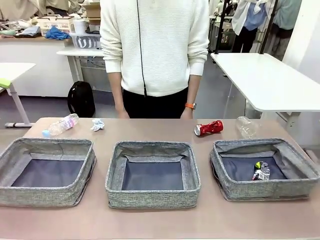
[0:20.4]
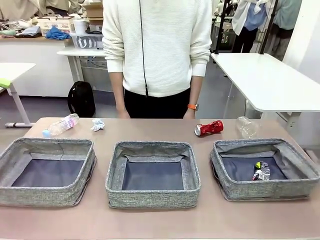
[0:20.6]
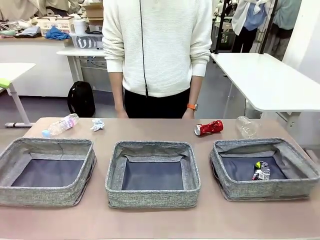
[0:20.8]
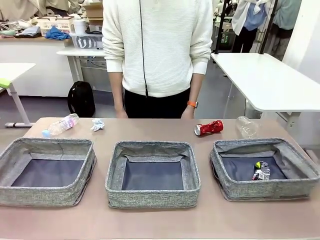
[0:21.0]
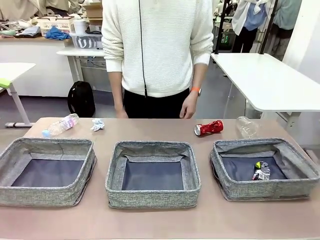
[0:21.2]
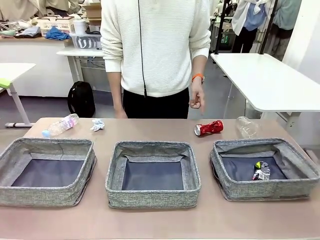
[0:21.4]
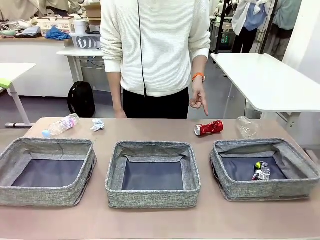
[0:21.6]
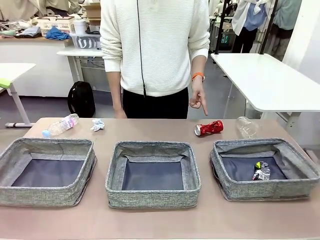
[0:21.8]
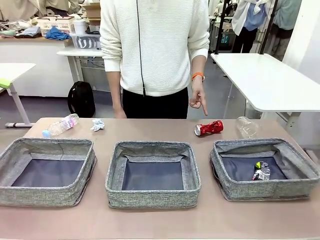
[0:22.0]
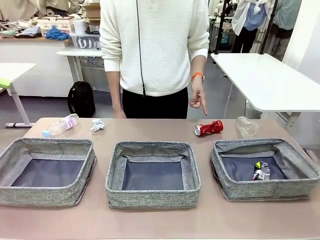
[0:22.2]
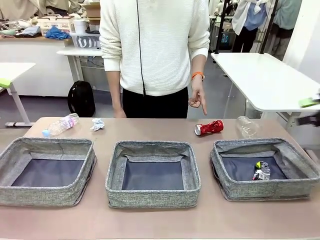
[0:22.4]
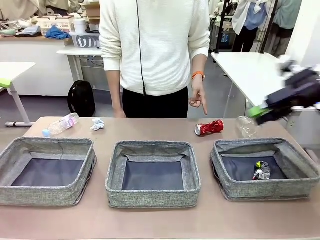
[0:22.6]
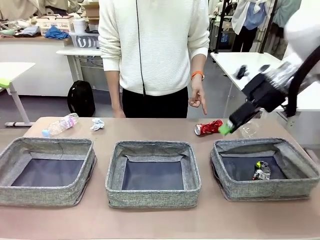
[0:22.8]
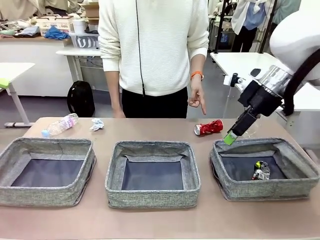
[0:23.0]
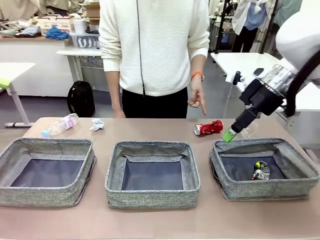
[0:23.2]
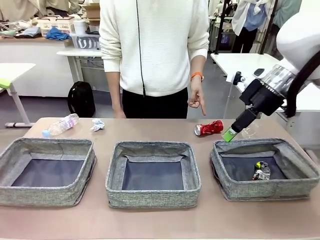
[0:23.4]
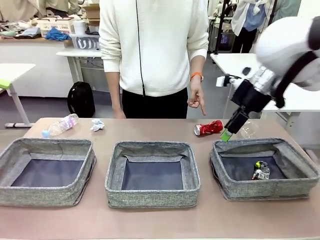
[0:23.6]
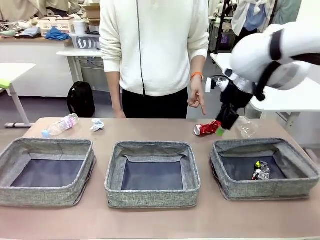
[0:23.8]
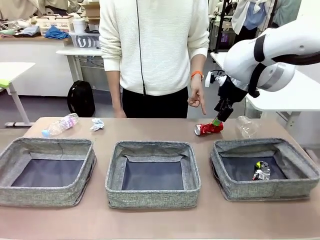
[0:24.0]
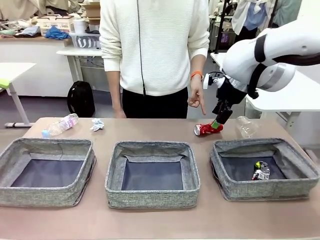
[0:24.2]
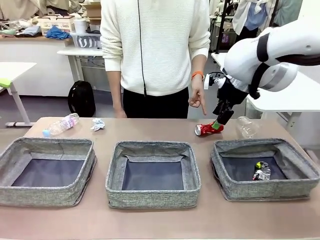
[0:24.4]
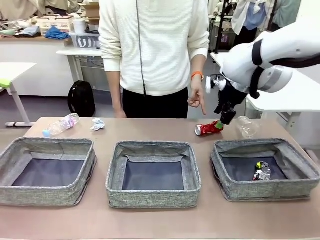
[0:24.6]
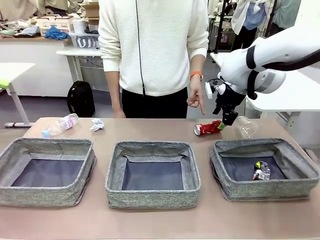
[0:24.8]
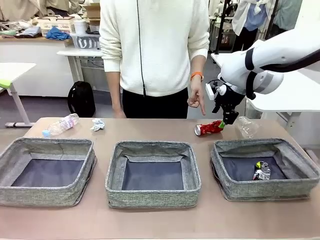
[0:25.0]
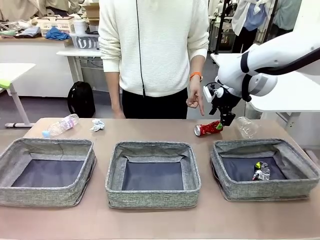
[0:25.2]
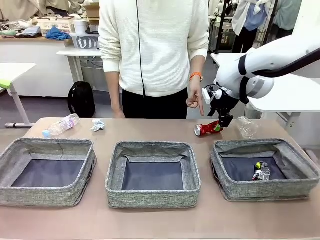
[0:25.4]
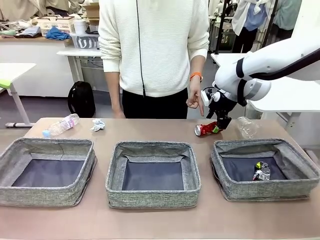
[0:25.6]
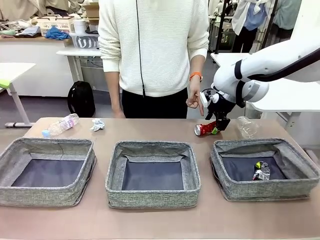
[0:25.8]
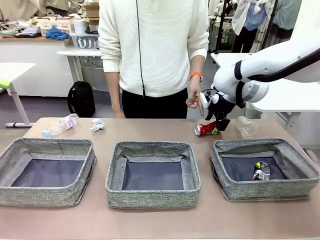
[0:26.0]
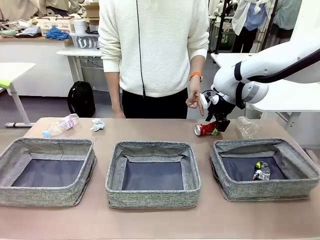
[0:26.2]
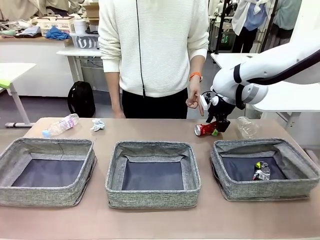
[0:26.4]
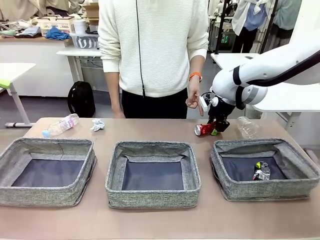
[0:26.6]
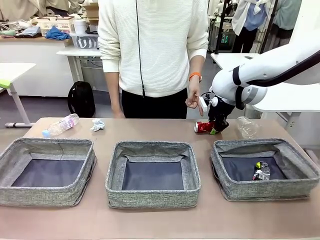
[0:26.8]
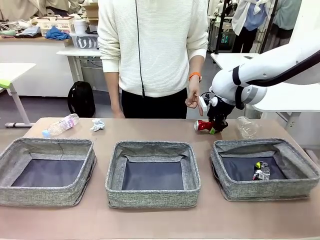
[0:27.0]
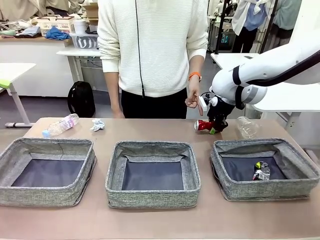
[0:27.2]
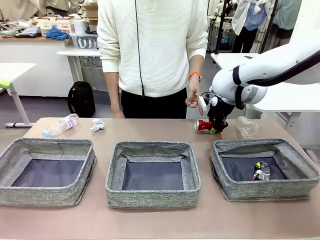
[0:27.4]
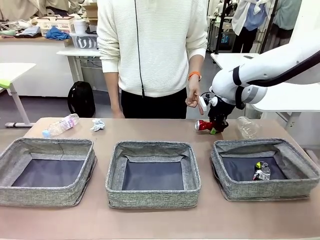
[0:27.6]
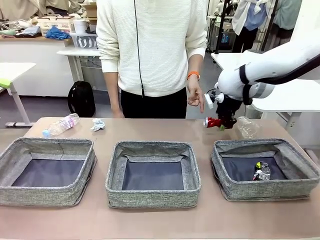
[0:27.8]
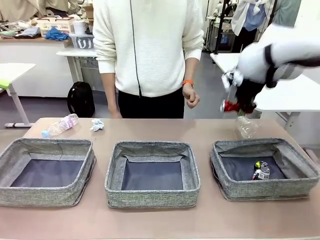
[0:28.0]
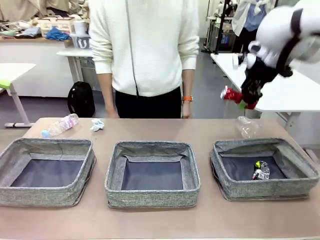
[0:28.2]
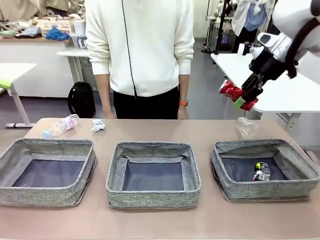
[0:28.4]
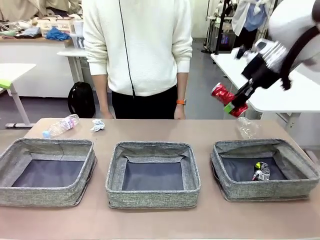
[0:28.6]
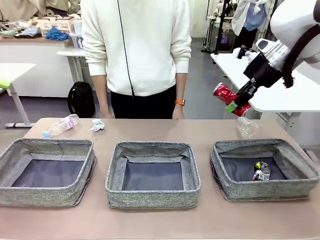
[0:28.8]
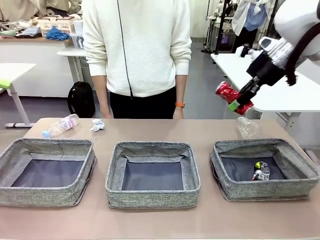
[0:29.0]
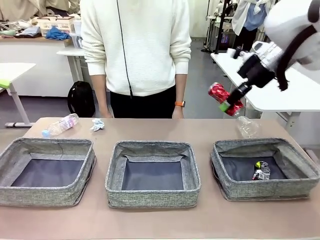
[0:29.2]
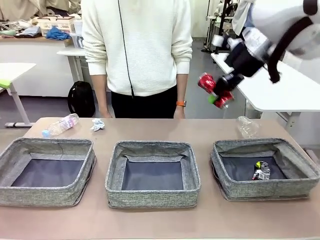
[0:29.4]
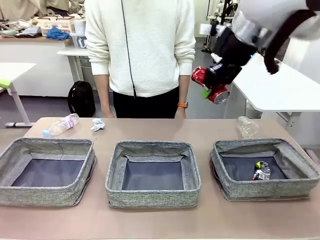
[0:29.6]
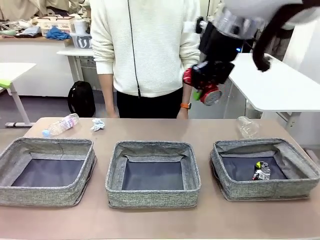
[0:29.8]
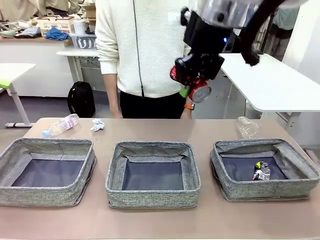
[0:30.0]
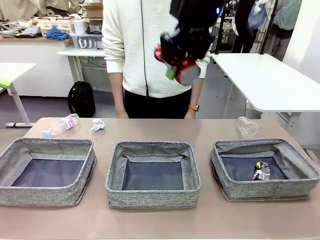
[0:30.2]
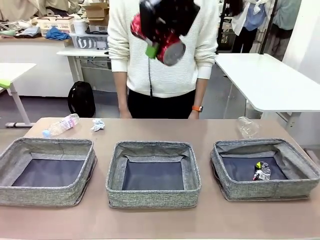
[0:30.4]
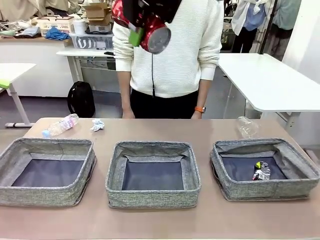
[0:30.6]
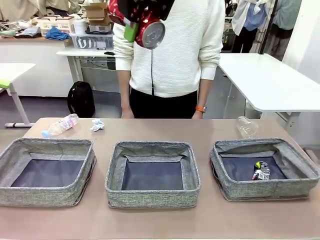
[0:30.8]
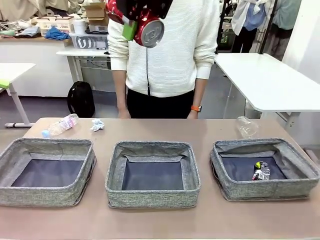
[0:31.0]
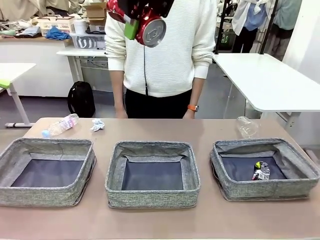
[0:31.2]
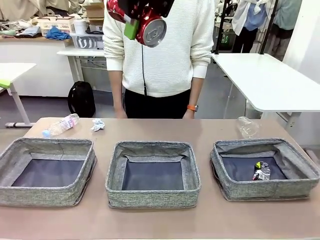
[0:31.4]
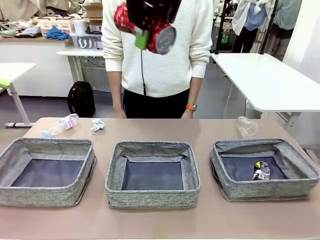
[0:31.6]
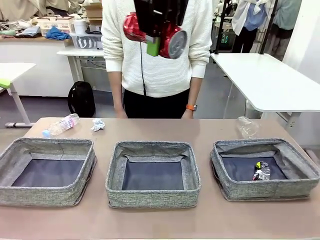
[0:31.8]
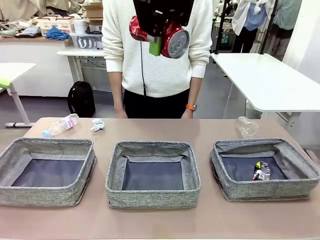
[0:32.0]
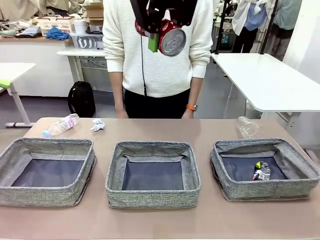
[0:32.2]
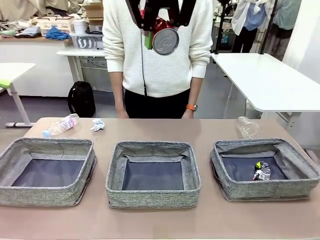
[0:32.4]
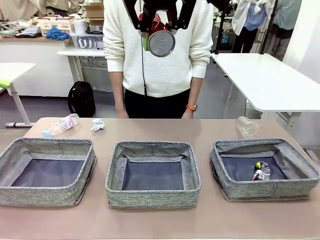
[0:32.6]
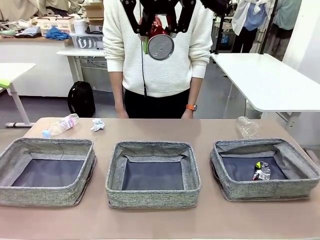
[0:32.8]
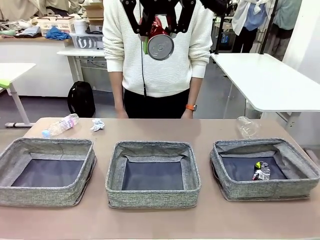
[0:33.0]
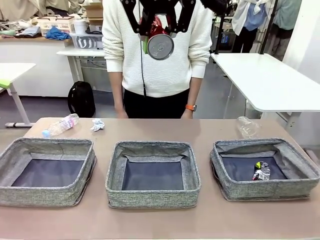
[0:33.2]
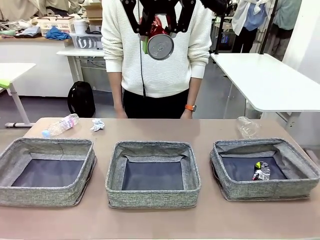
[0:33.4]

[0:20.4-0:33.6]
Task: Sort the waste into the appropriate baskets.
Robot: Pick up the waste item pointed out by the person.
Person: Points to one piece of trash on the table.

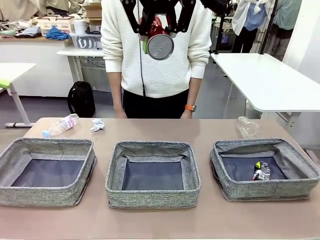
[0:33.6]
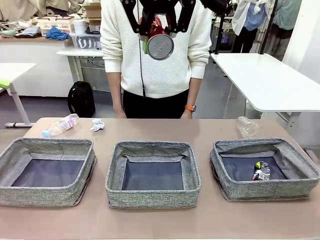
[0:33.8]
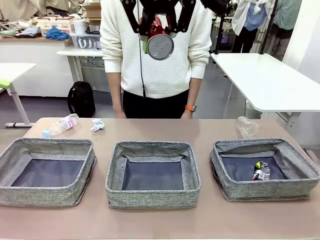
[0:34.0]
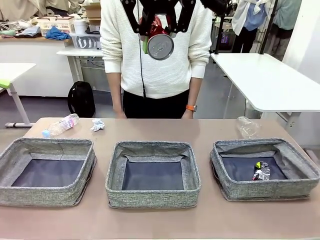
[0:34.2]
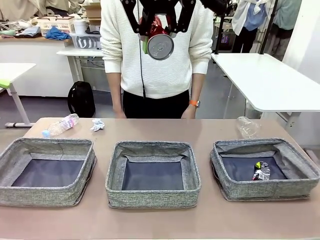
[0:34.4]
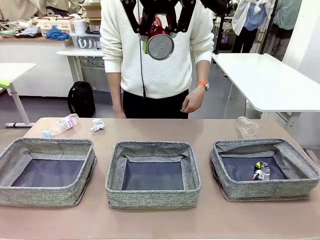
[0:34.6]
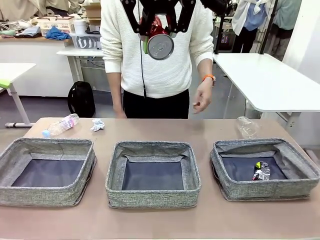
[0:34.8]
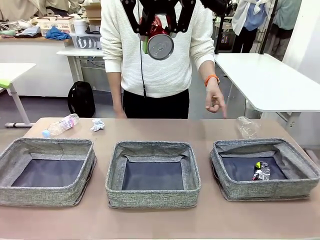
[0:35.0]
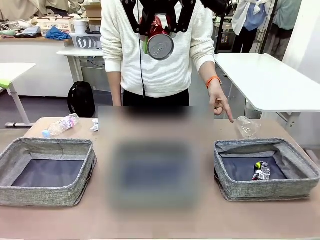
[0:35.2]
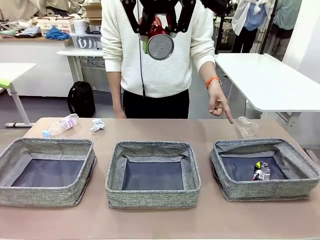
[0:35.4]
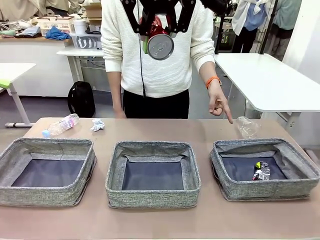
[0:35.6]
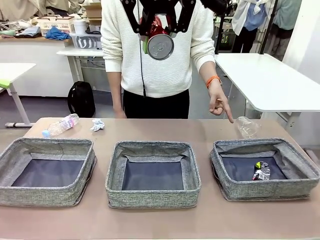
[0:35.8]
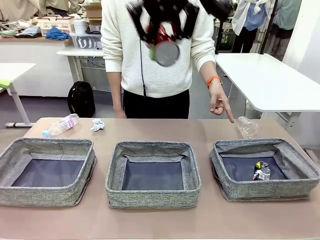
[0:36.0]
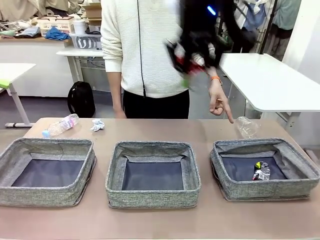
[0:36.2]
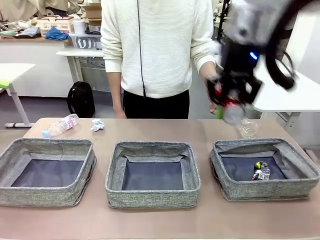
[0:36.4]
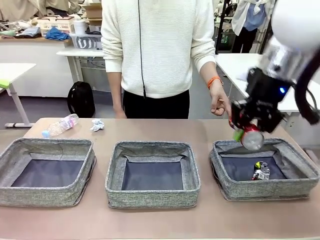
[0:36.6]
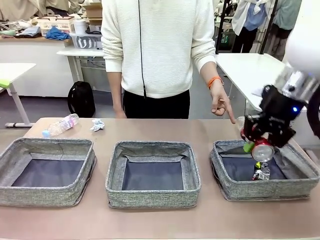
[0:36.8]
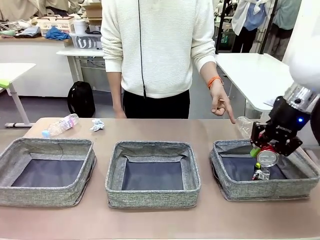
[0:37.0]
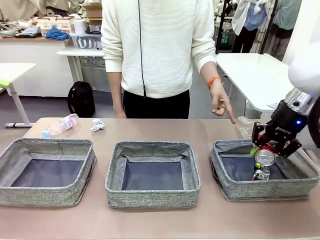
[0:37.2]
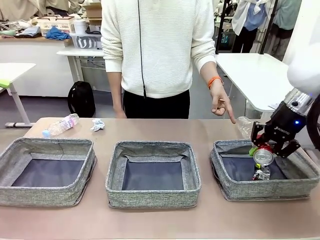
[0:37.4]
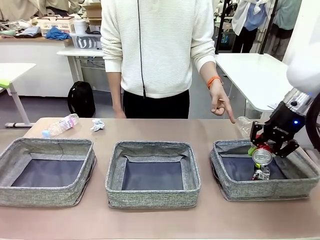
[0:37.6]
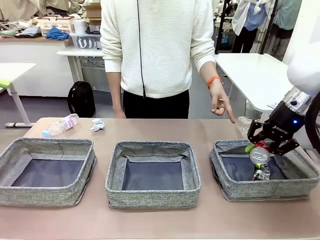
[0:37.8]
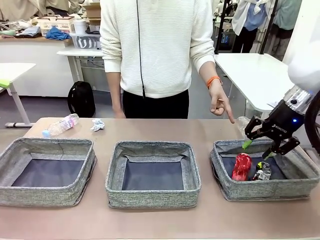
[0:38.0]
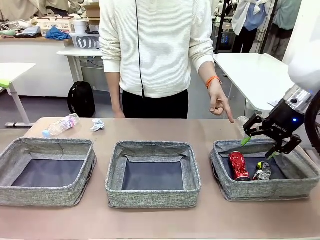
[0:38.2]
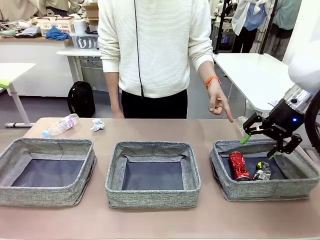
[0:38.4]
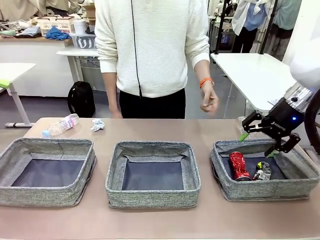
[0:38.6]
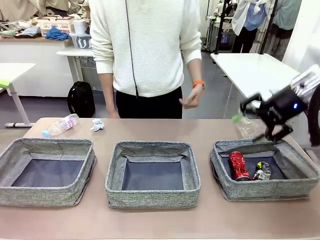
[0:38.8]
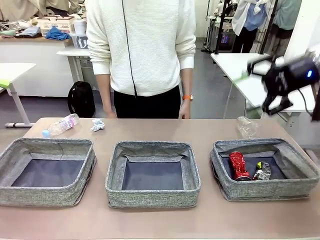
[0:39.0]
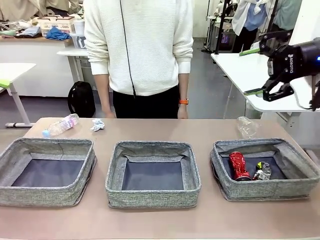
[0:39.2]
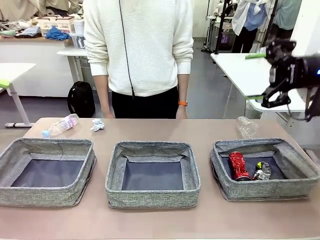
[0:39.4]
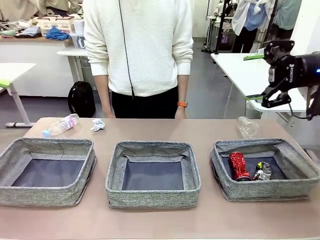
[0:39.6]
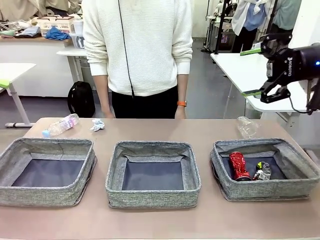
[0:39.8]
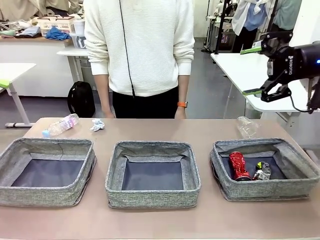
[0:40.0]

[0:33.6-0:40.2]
Robot: Place the picked waste into the Fabric basket indicated by the person.
Person: Instructs the robot to place the picked-up trash into the appropriate organizing basket.
